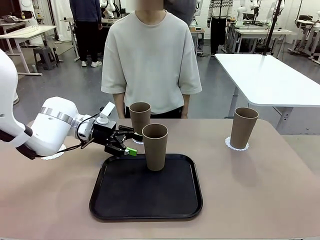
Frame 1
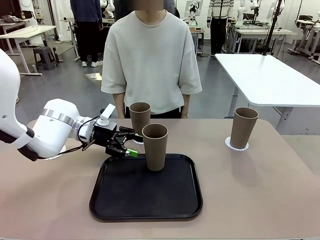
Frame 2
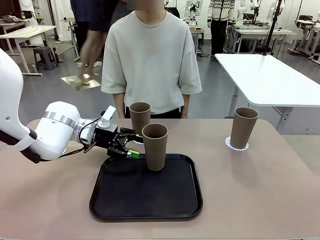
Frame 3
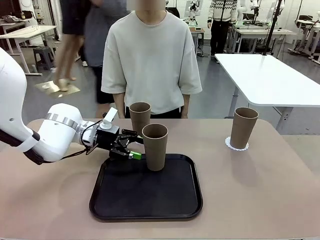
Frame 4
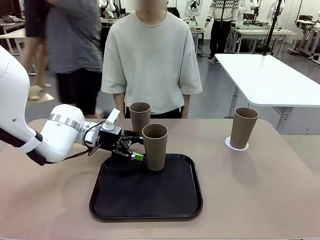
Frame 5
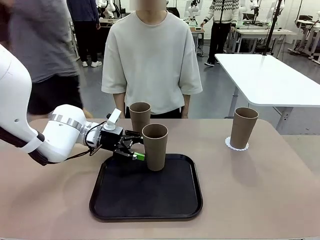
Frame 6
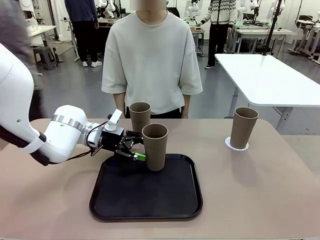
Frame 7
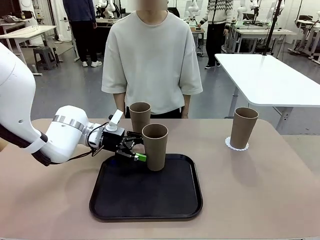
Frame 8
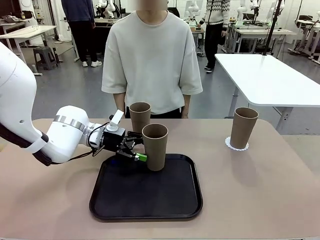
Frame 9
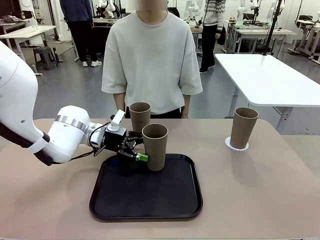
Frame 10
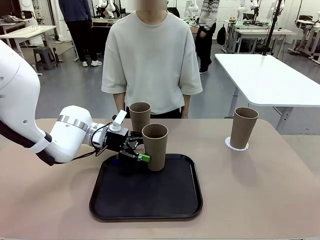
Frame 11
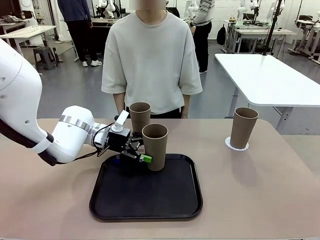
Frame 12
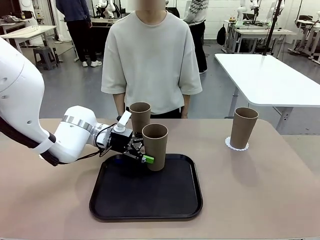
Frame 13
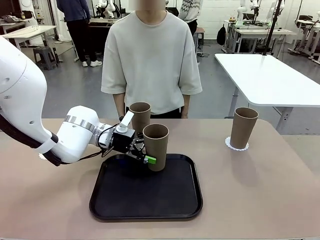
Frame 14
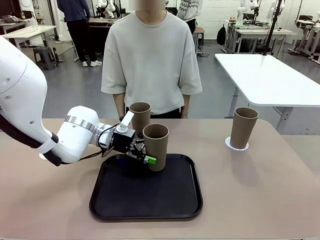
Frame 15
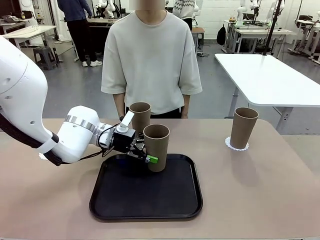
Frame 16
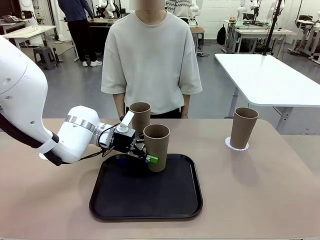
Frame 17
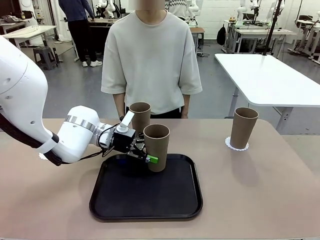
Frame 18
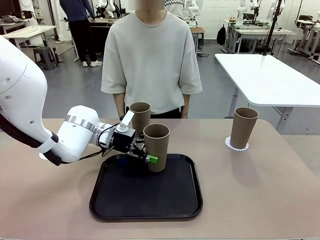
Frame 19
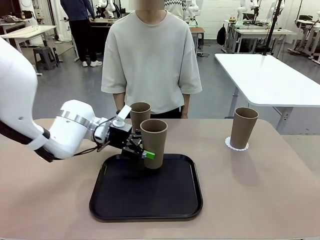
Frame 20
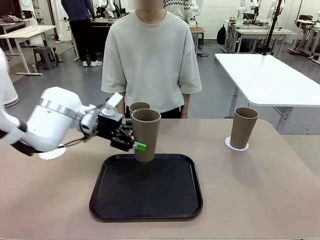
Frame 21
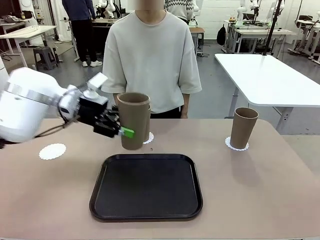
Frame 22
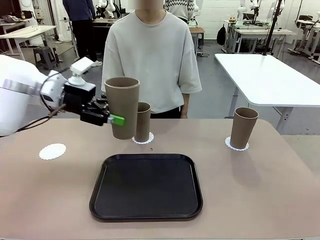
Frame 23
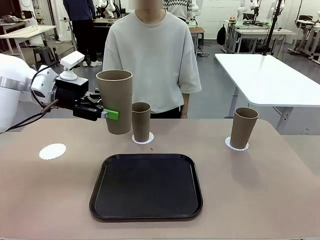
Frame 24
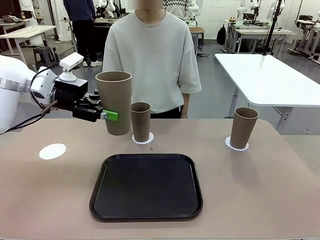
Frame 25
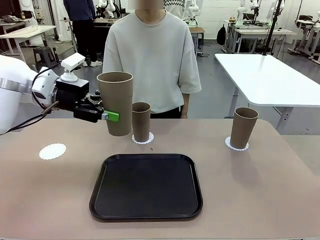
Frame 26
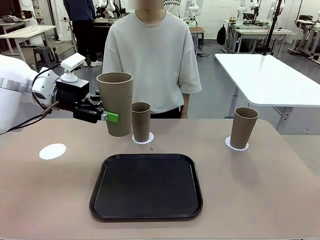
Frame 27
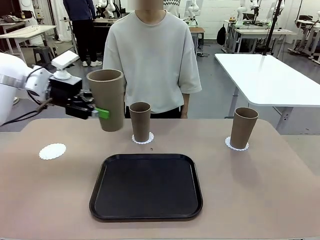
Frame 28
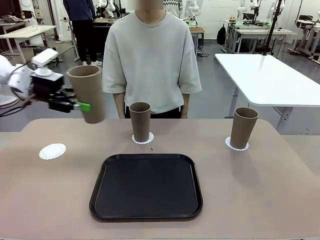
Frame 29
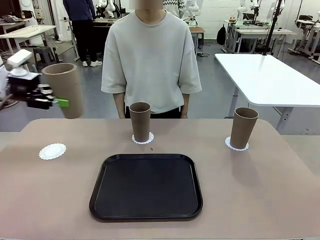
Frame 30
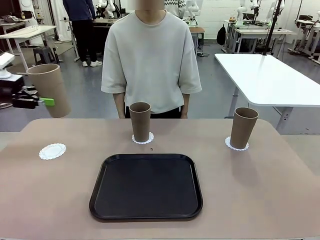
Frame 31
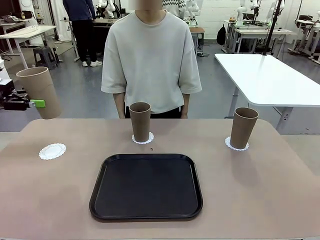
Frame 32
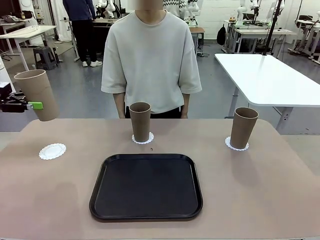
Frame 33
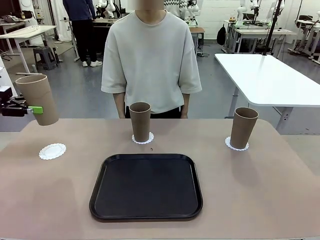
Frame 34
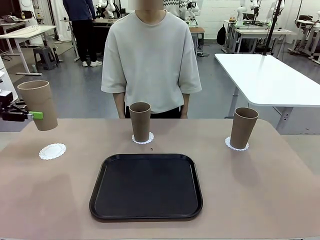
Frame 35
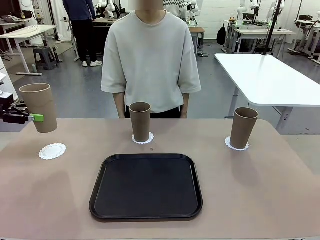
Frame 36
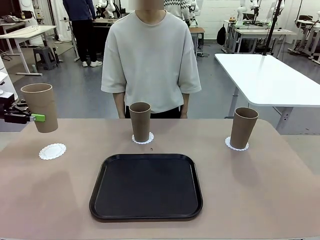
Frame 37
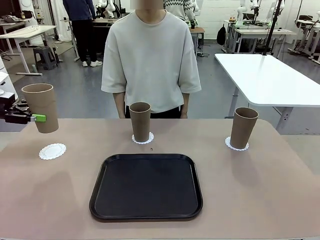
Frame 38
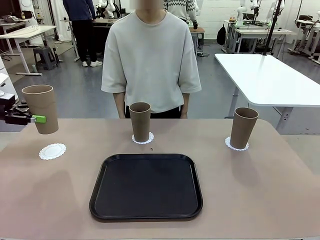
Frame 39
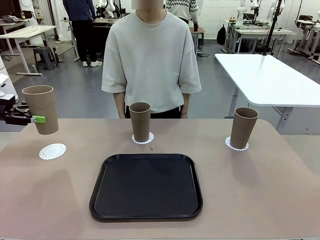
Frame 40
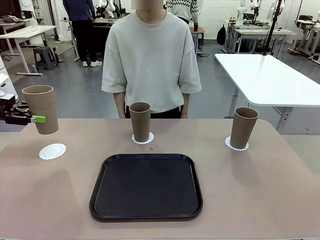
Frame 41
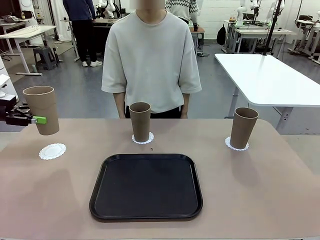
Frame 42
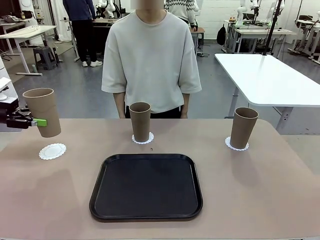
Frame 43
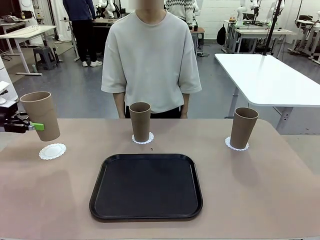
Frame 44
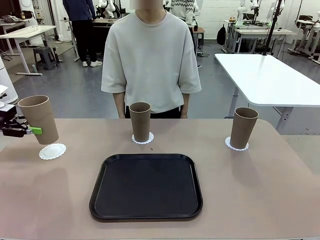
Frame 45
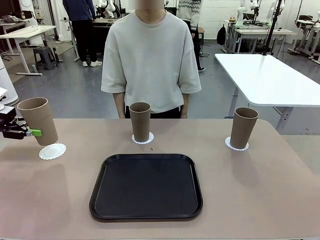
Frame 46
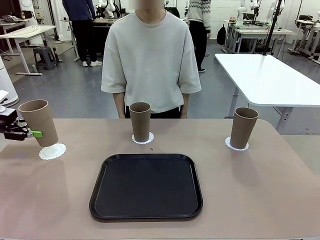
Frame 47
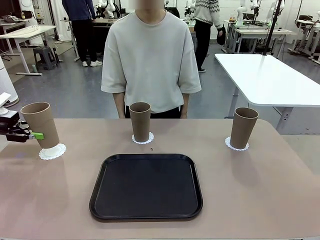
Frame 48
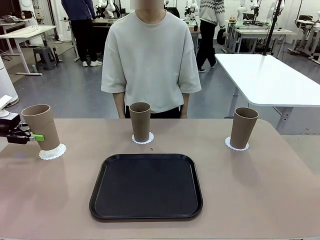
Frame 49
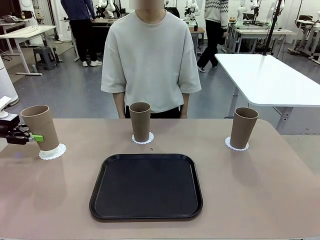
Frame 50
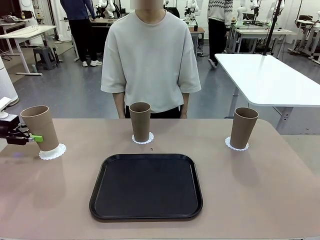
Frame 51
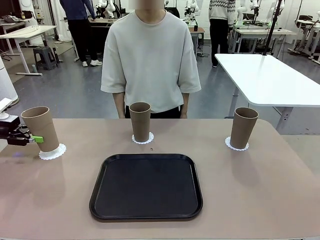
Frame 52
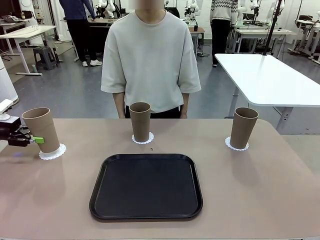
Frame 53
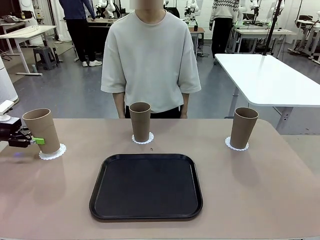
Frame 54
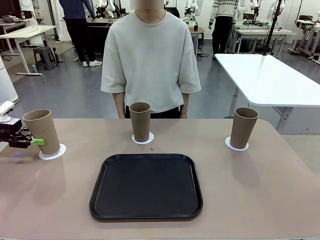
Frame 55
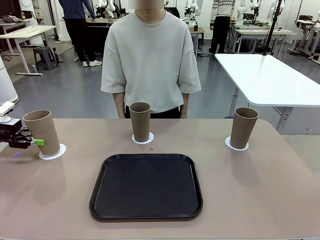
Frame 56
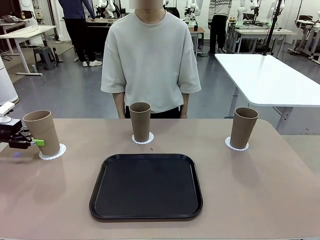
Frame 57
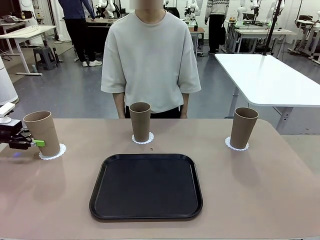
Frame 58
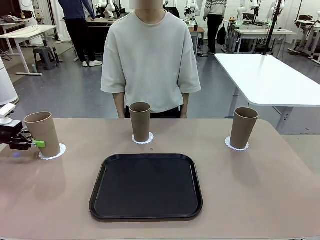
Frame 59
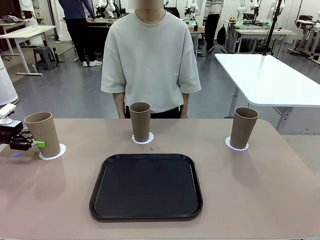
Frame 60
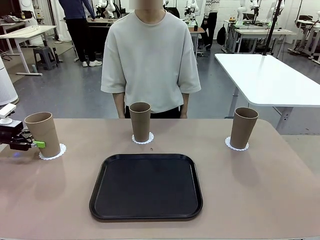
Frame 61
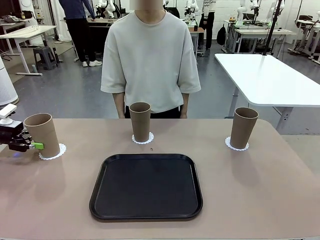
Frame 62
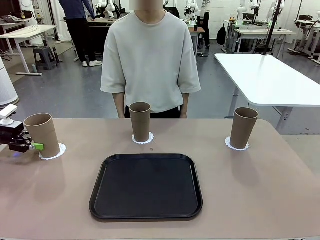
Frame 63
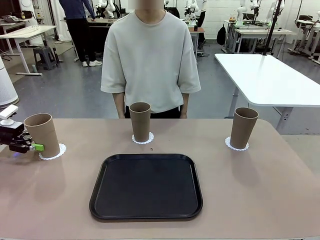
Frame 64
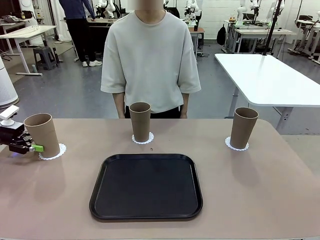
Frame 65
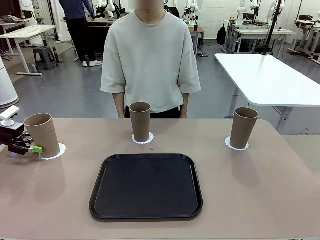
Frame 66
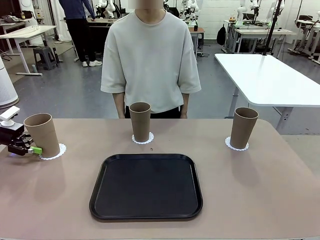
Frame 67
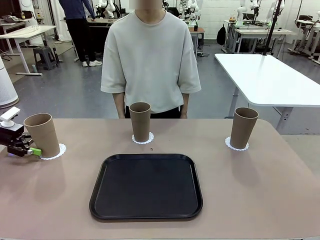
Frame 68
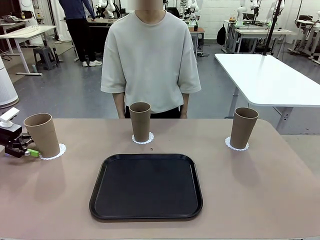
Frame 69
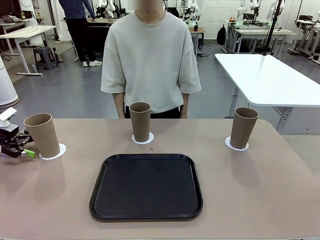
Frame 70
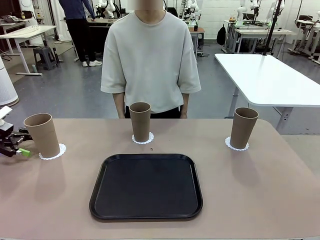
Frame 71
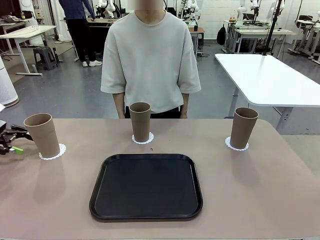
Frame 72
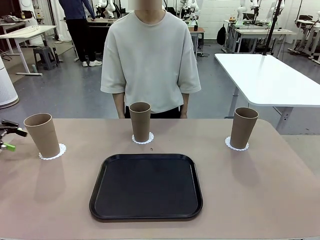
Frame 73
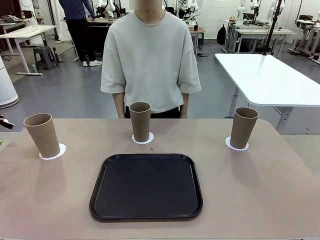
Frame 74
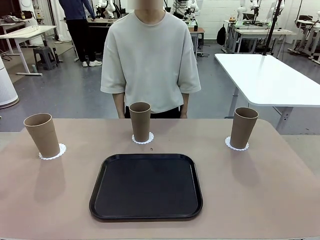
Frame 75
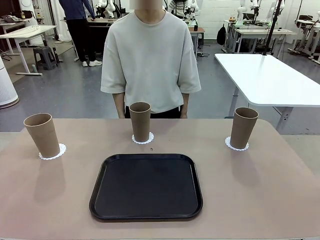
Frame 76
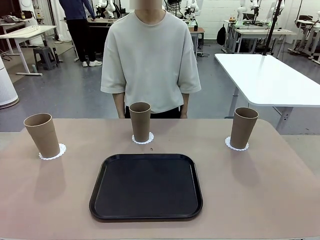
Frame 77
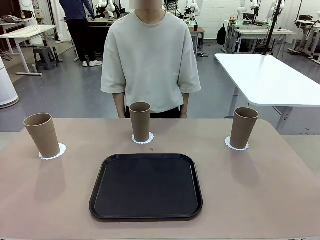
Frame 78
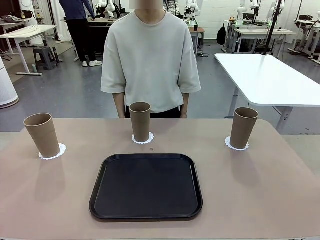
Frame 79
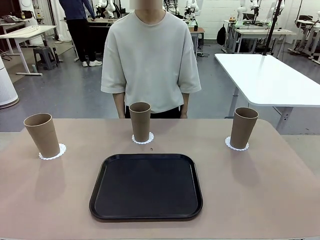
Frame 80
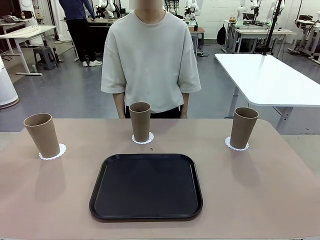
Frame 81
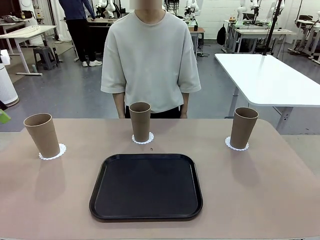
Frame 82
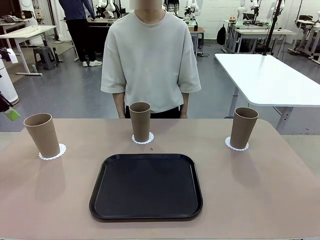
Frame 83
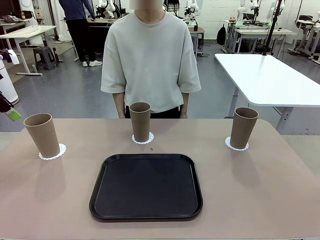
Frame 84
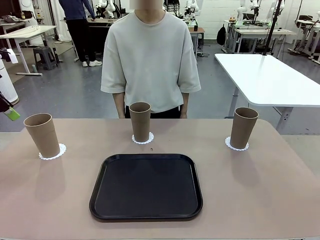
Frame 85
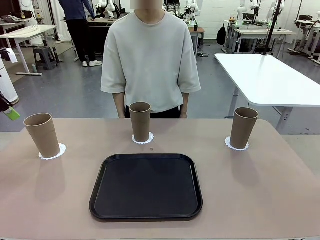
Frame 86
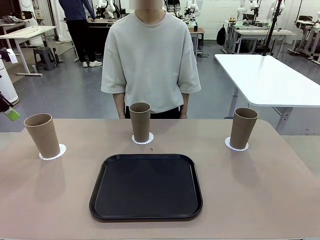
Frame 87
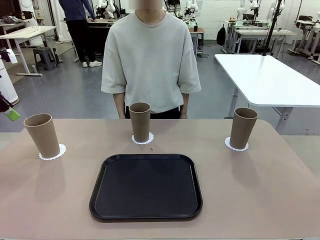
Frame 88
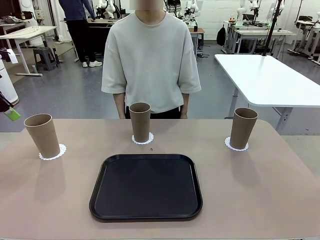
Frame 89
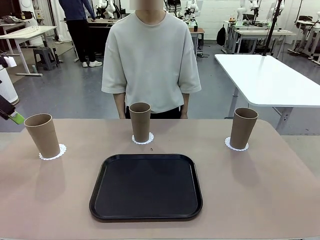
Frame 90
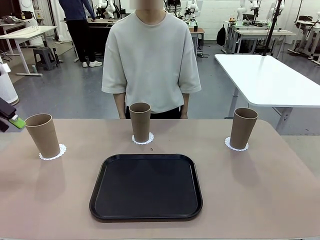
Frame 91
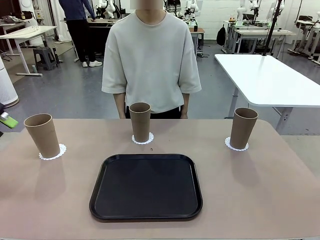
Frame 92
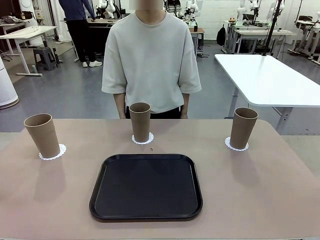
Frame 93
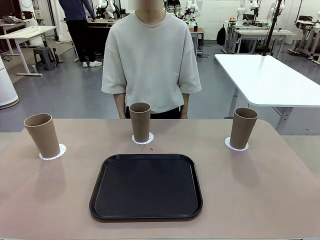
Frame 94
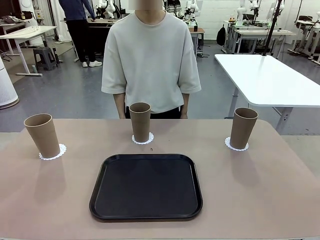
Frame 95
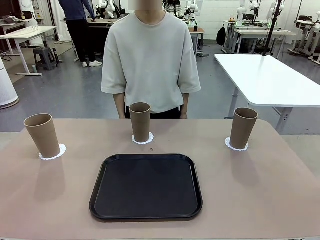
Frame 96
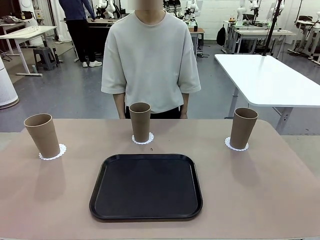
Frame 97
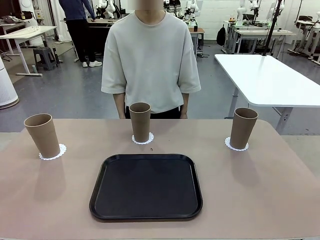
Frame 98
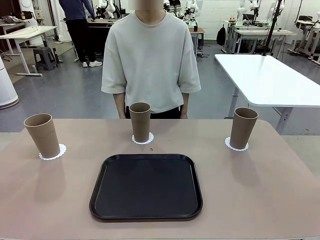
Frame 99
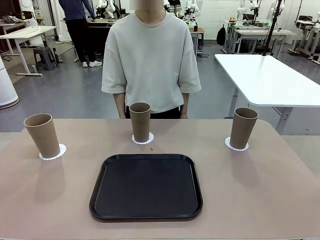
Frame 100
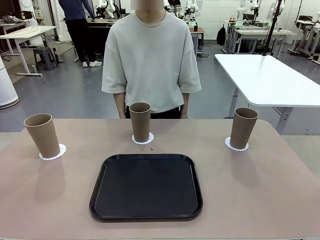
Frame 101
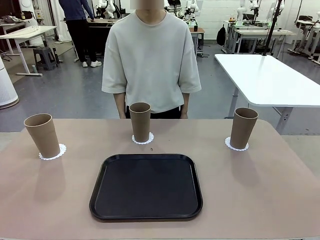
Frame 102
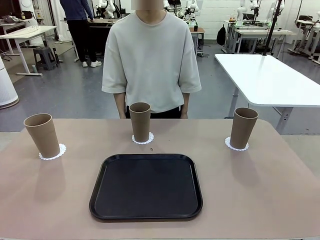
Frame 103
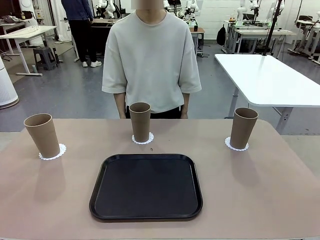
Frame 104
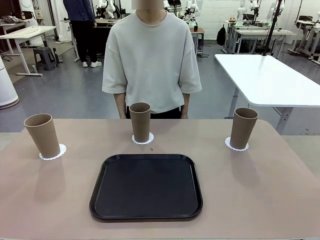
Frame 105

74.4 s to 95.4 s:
Task: Place coasters on the table and set cups on them.
Robot: Take one Reusable plastic cup from the Flat Tray and place it on a coaster set by the human.
